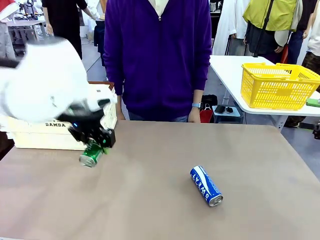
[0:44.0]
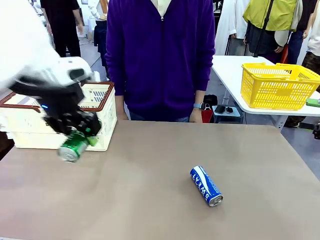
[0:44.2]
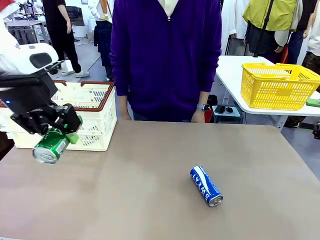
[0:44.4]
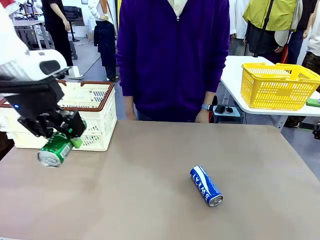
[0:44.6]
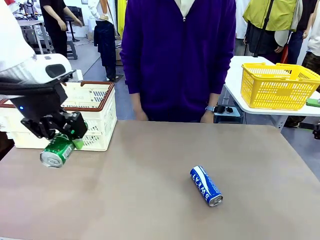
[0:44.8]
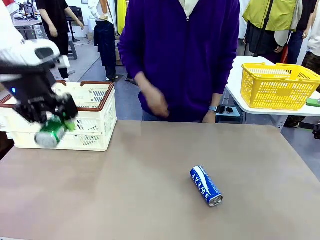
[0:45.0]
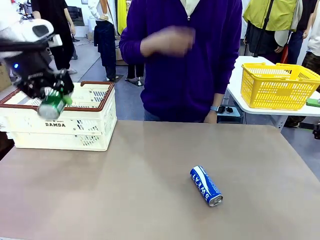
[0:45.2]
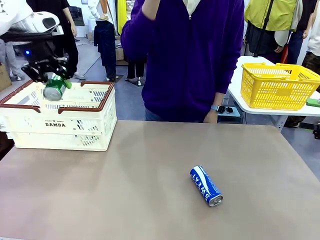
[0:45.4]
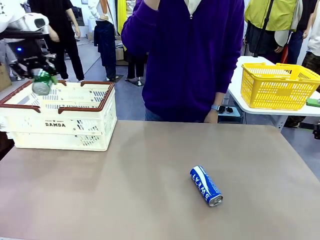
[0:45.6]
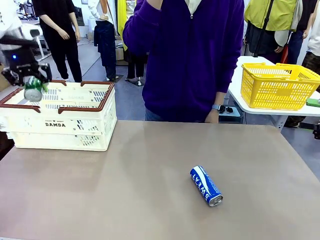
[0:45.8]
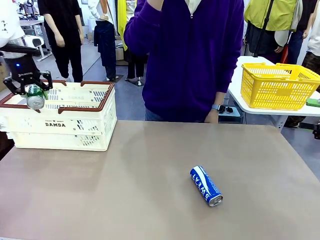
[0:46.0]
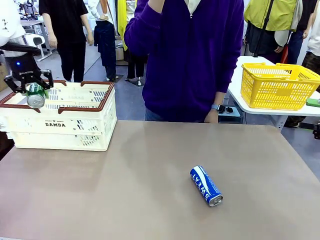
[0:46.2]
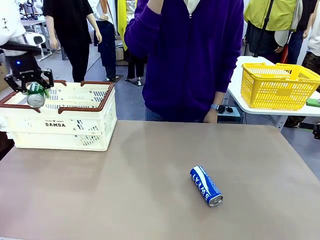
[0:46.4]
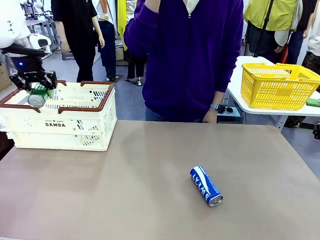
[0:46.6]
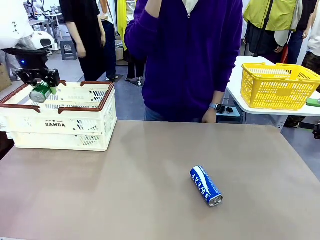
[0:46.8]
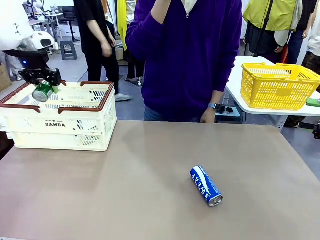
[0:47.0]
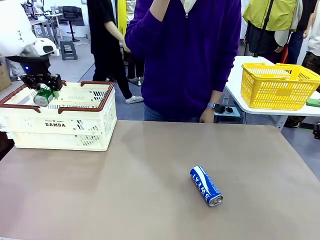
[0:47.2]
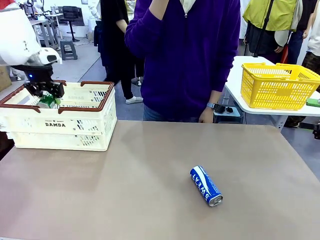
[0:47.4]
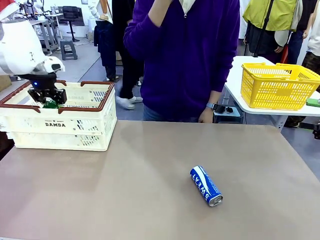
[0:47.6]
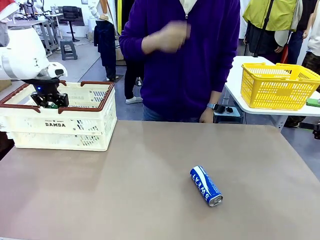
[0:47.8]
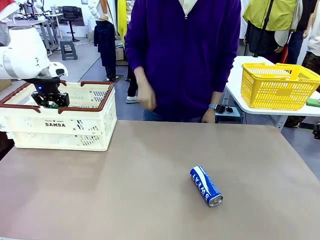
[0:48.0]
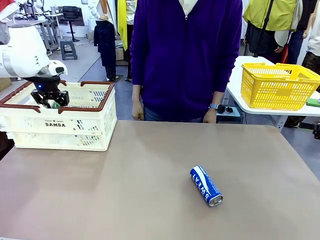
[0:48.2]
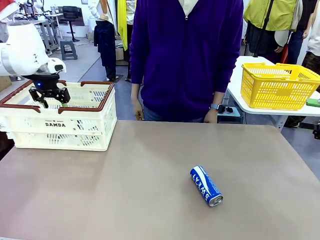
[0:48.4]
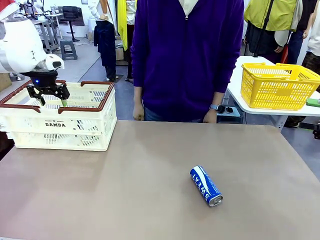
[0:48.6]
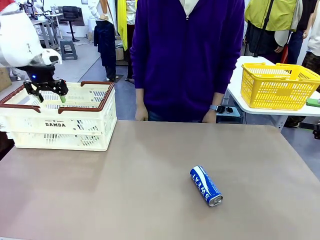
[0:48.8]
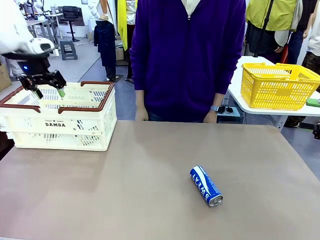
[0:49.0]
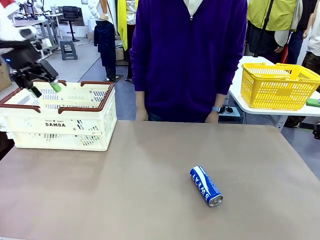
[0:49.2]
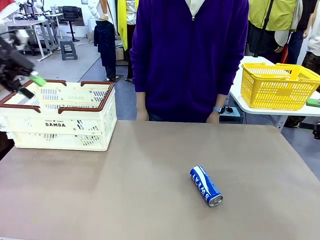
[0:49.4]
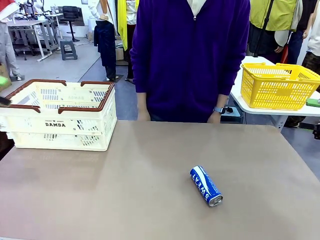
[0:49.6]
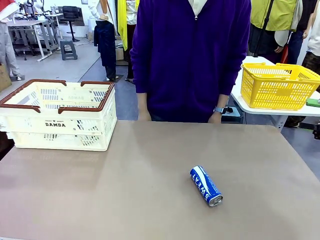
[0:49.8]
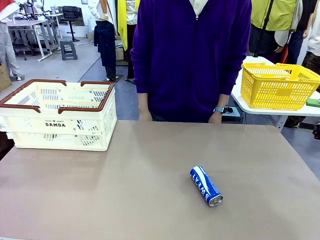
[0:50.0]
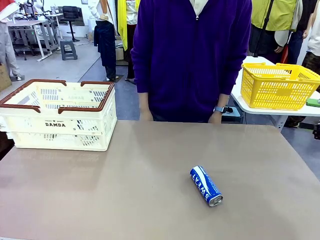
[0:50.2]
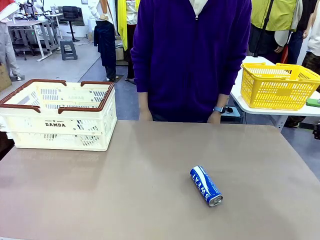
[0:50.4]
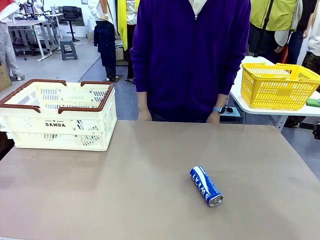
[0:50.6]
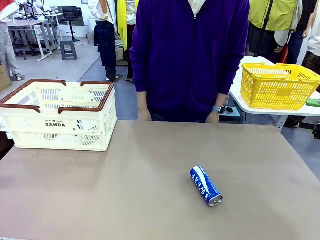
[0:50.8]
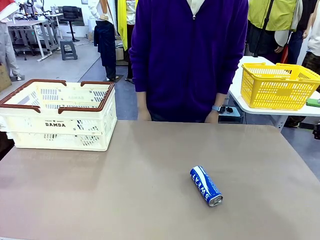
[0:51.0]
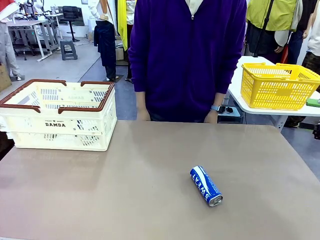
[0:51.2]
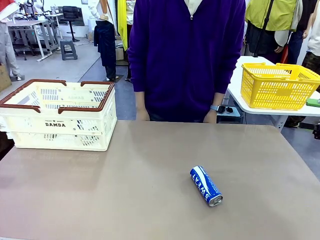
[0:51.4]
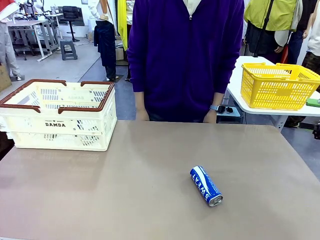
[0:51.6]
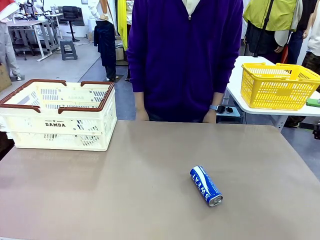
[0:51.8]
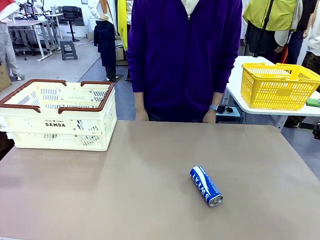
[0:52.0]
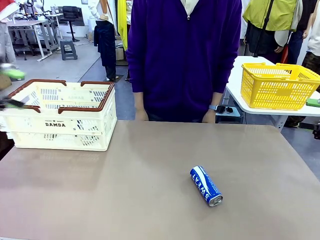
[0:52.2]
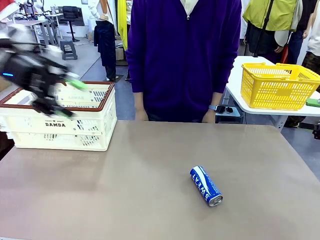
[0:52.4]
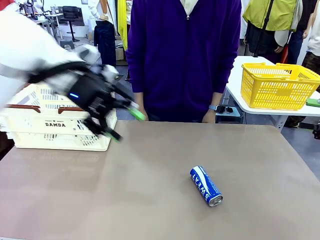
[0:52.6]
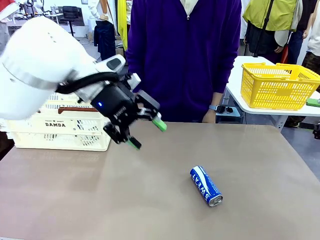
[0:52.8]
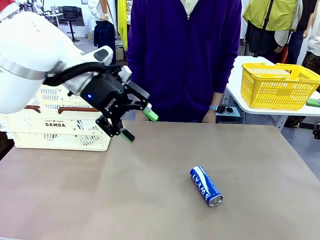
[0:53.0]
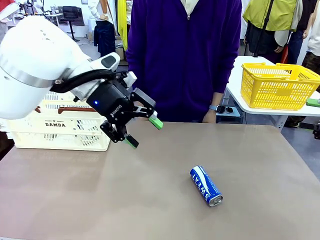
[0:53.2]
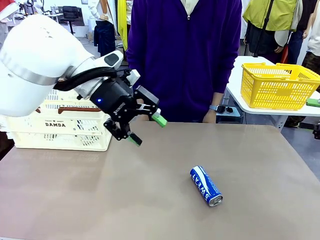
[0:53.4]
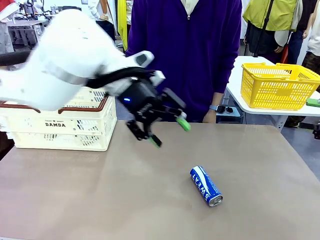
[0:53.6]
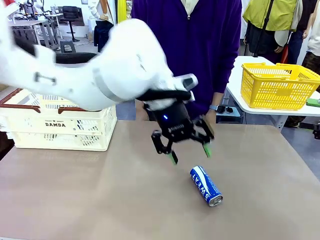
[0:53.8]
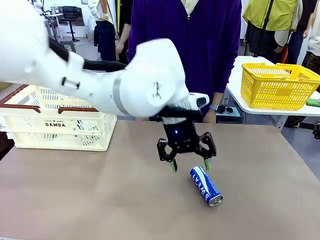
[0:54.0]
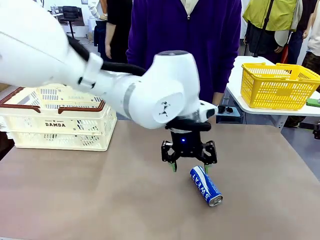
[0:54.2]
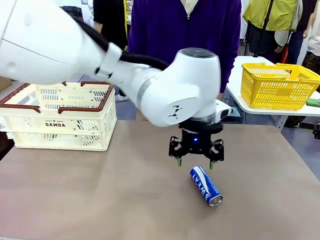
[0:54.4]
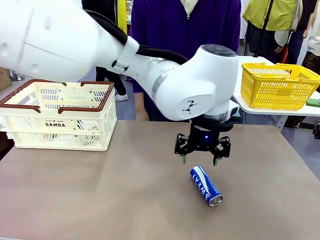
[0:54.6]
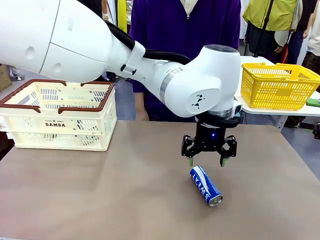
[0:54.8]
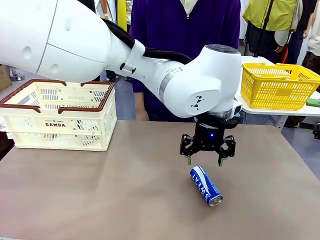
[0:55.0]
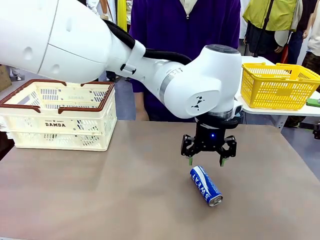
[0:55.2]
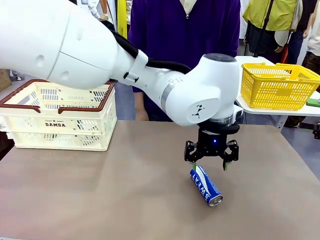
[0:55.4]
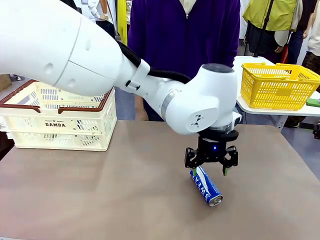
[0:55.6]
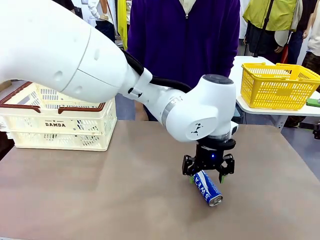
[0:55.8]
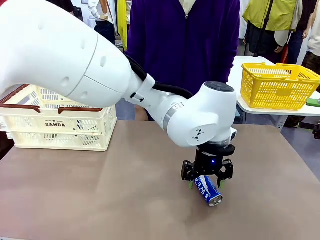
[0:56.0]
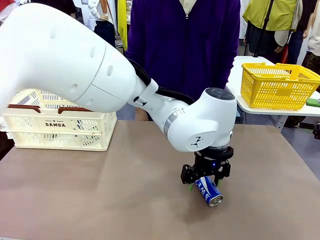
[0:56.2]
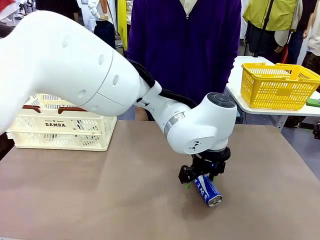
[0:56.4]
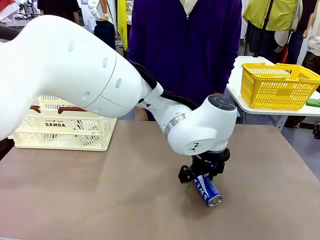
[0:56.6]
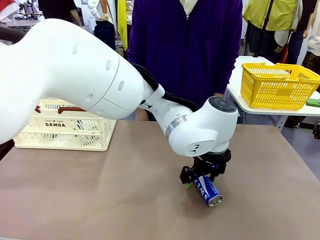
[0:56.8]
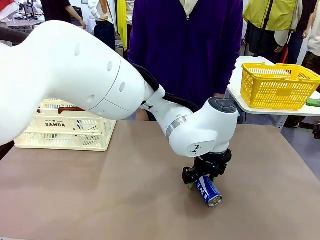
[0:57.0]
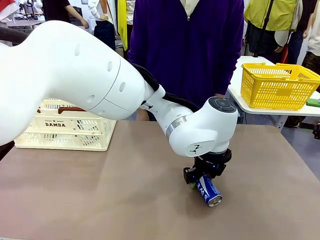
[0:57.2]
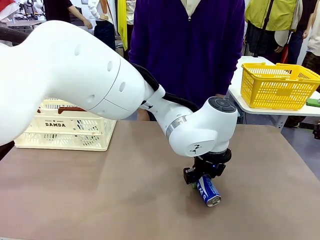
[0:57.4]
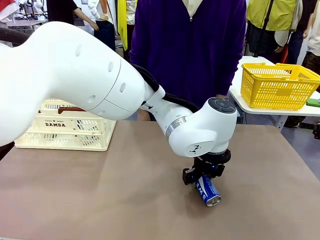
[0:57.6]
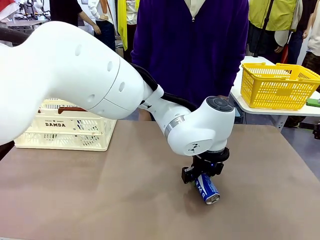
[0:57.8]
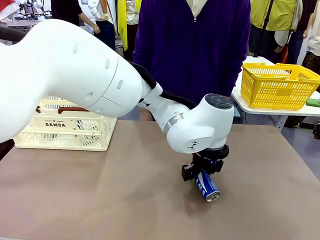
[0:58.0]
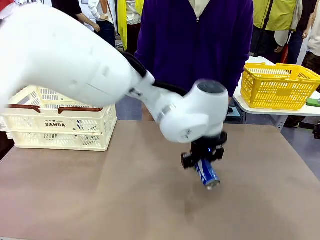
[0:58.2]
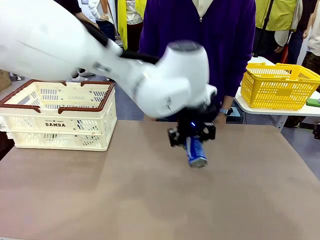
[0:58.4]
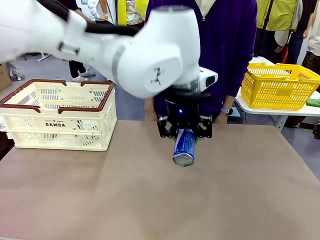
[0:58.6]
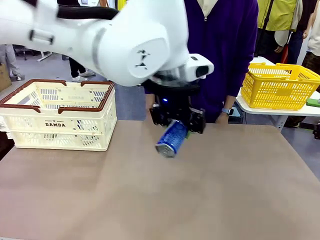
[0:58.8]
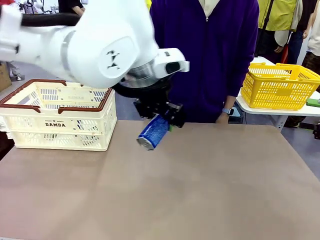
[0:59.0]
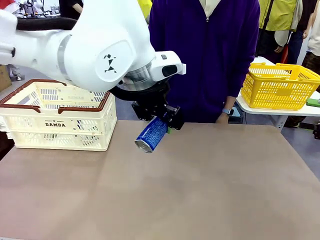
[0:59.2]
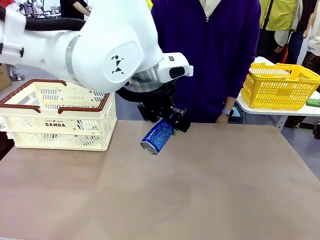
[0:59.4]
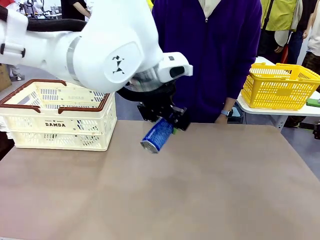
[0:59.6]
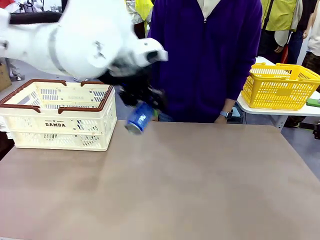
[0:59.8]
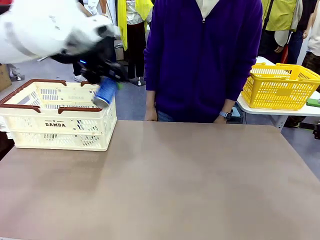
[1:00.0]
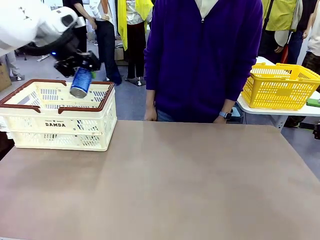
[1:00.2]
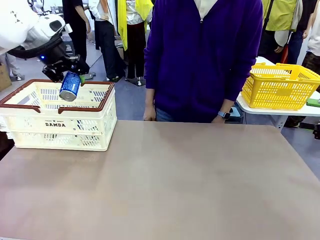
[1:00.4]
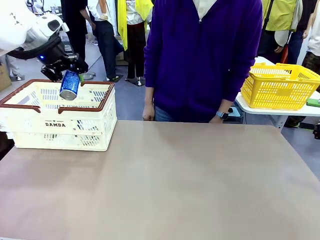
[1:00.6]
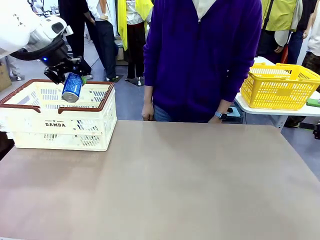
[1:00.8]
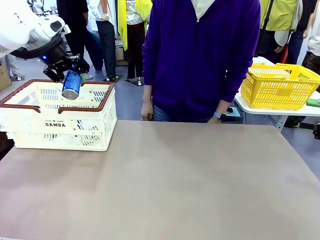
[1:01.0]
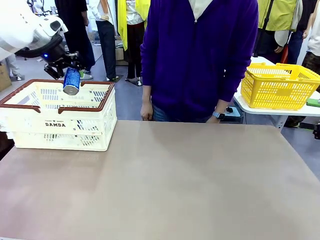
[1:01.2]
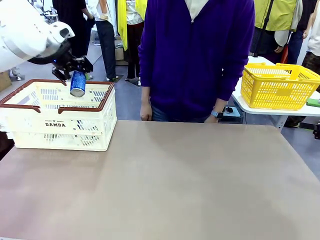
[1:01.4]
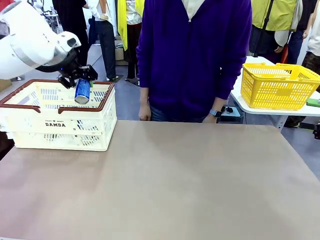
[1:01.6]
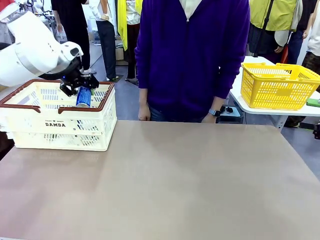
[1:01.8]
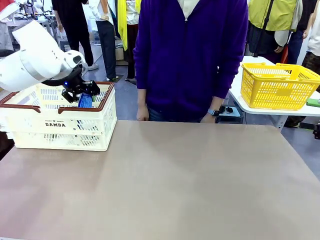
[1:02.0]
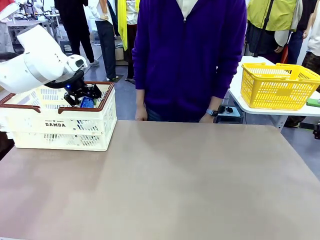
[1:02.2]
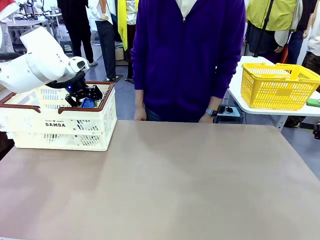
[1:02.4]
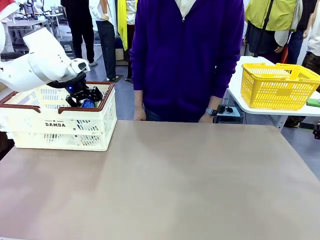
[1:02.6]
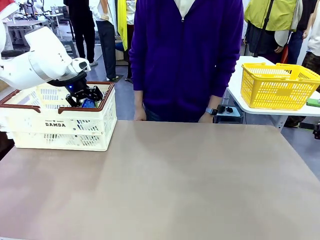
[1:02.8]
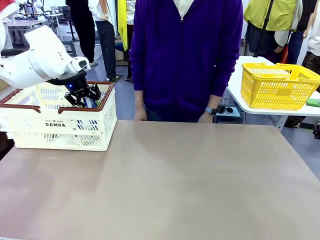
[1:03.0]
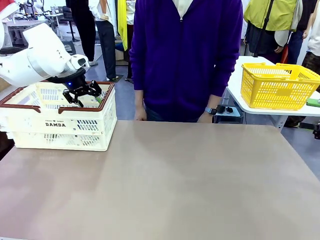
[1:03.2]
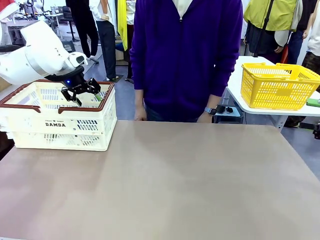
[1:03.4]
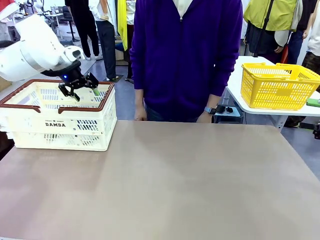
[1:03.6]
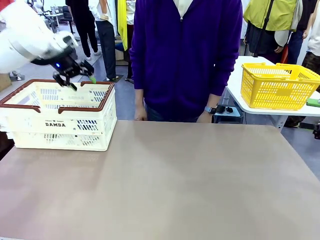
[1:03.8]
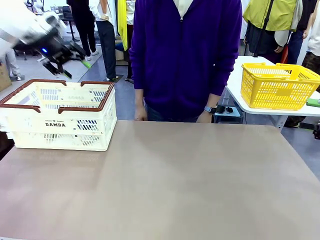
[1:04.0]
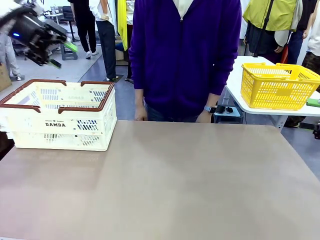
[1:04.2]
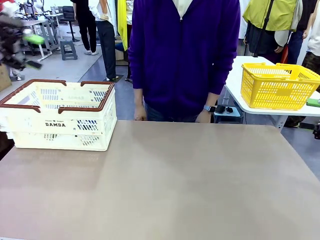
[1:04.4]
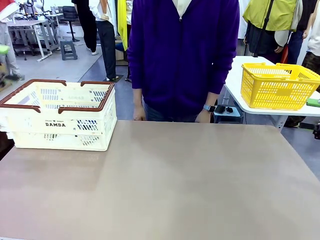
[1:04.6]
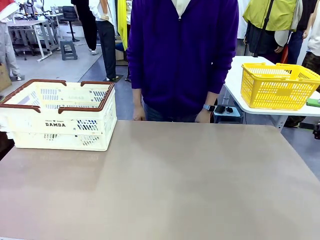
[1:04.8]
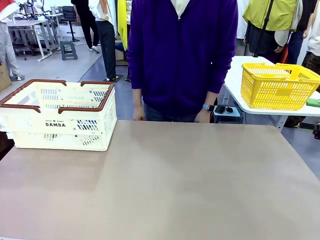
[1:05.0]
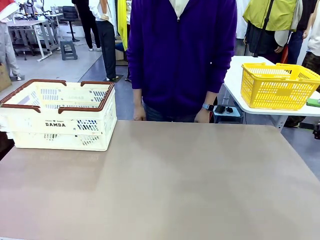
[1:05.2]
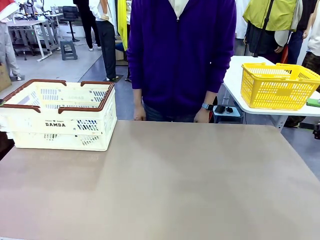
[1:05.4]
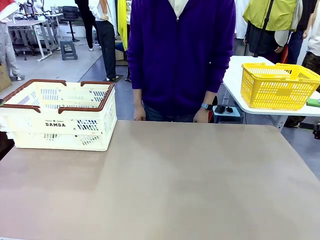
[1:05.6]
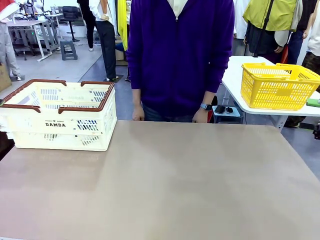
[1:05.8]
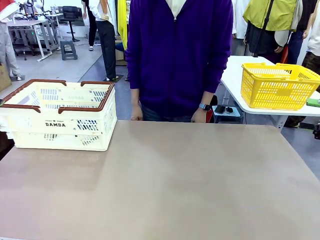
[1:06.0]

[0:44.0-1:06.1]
Task: Place the drinks into the Shopping basket.
Robot: Pick up one drink and place it into the Shopping basket.
